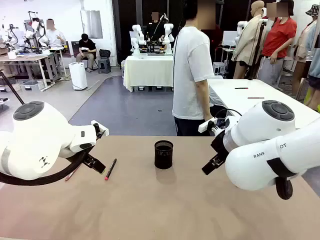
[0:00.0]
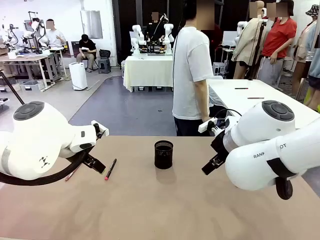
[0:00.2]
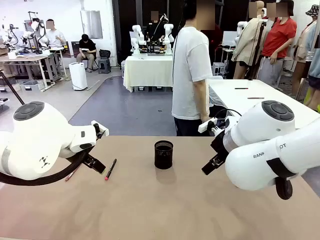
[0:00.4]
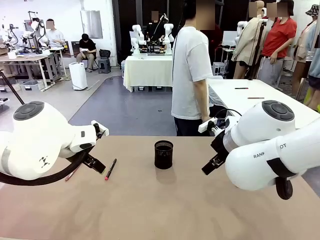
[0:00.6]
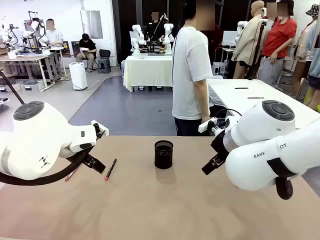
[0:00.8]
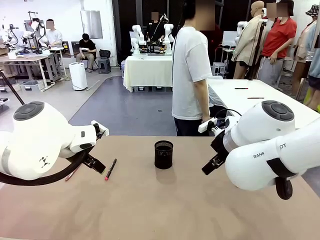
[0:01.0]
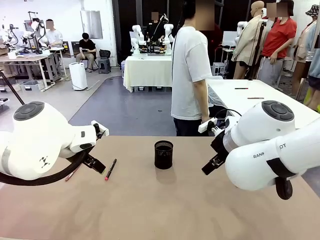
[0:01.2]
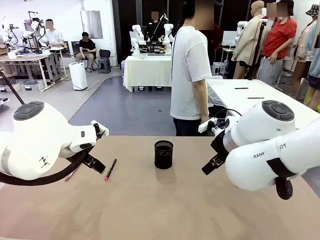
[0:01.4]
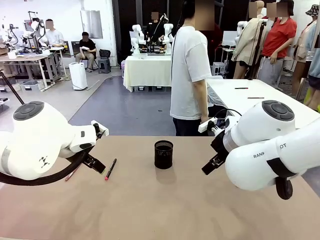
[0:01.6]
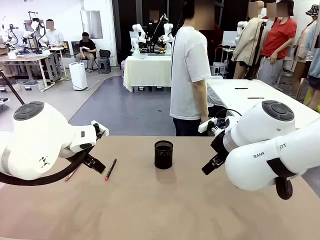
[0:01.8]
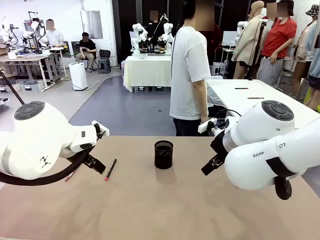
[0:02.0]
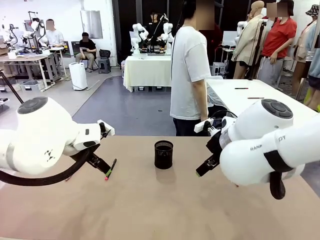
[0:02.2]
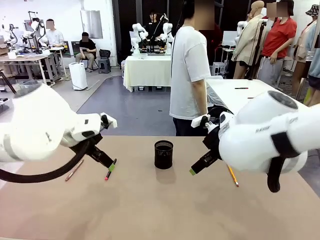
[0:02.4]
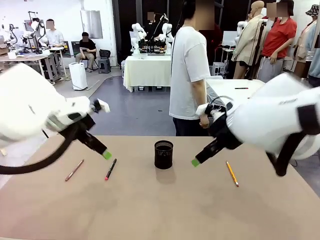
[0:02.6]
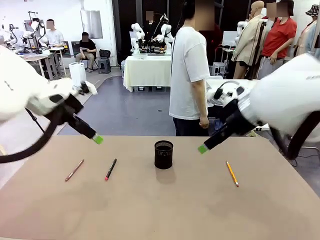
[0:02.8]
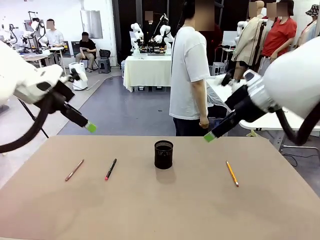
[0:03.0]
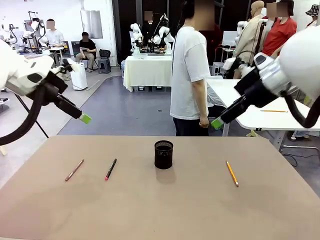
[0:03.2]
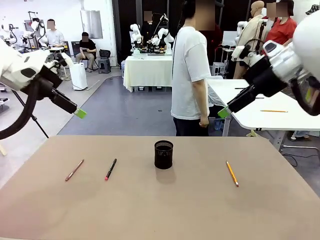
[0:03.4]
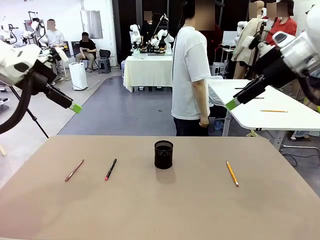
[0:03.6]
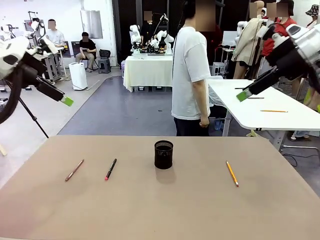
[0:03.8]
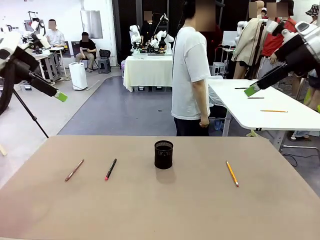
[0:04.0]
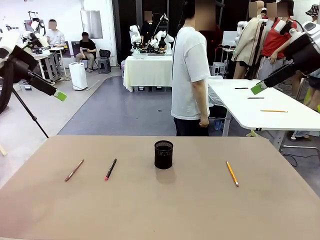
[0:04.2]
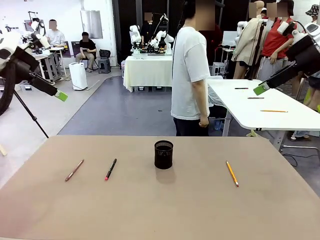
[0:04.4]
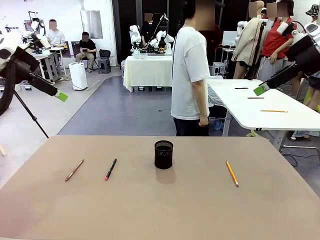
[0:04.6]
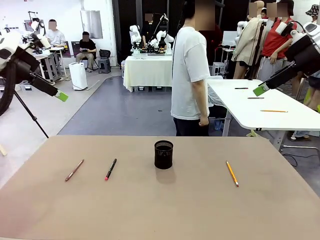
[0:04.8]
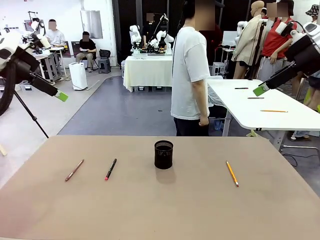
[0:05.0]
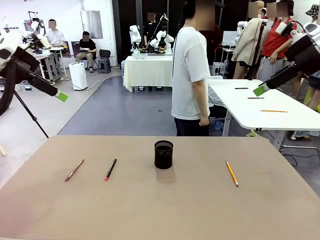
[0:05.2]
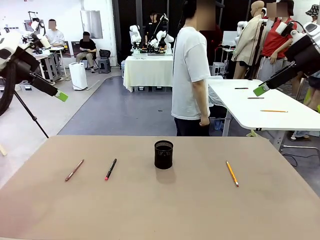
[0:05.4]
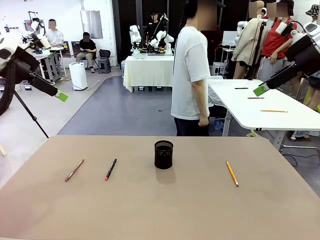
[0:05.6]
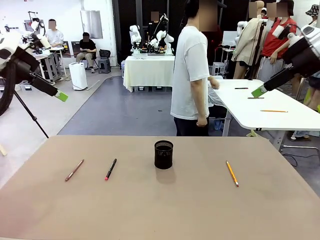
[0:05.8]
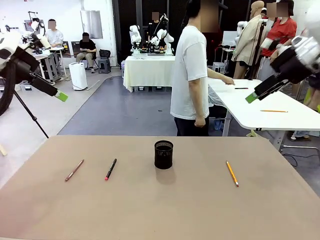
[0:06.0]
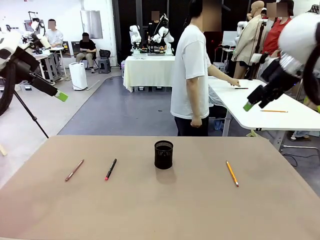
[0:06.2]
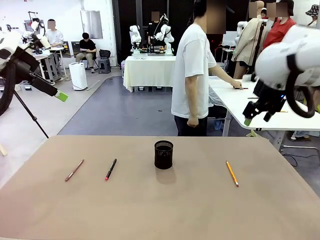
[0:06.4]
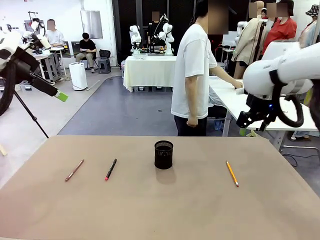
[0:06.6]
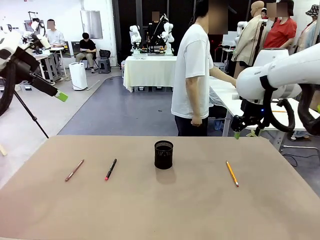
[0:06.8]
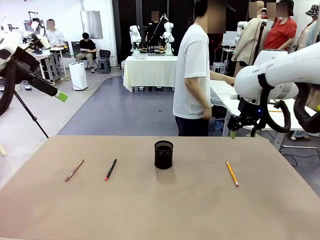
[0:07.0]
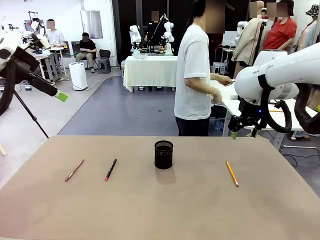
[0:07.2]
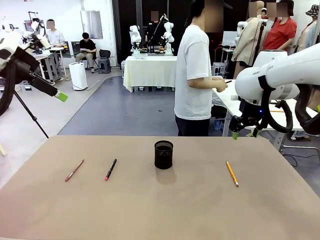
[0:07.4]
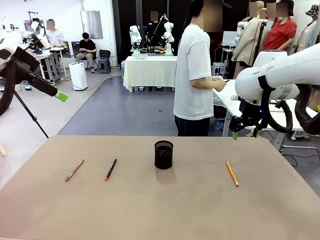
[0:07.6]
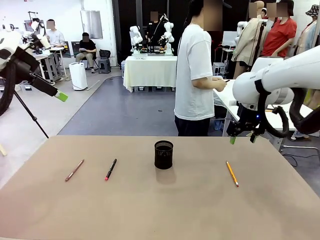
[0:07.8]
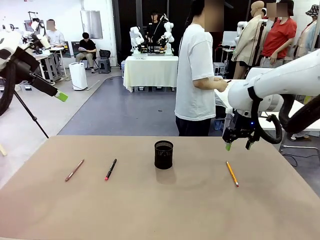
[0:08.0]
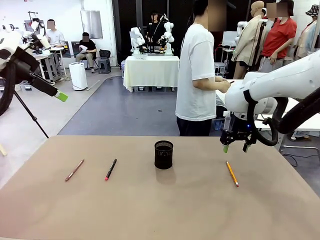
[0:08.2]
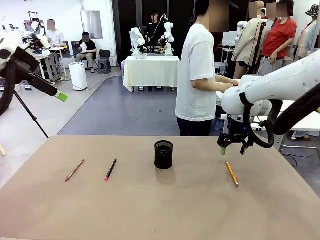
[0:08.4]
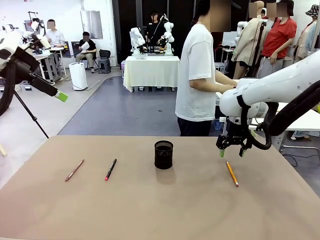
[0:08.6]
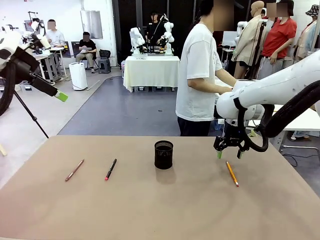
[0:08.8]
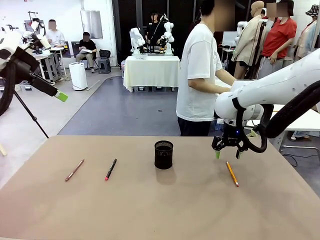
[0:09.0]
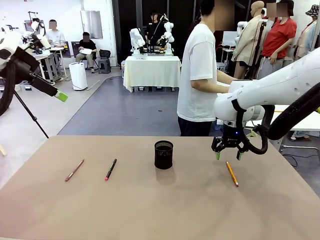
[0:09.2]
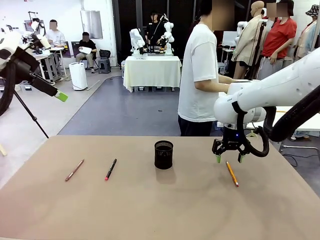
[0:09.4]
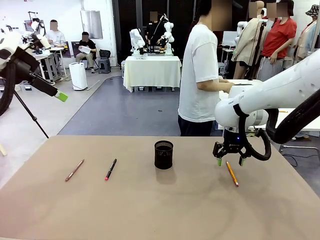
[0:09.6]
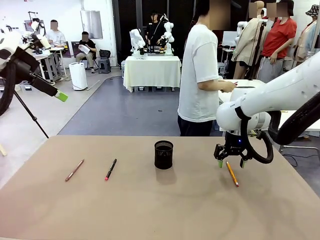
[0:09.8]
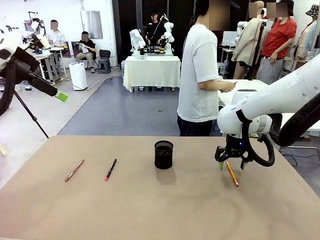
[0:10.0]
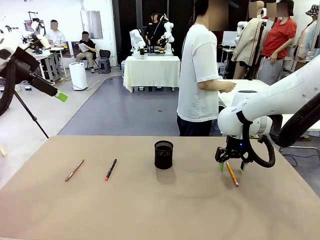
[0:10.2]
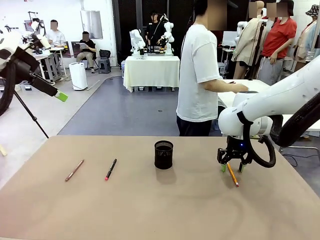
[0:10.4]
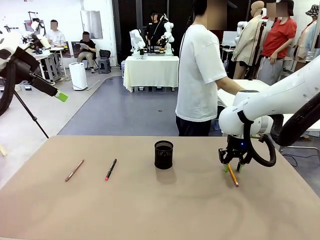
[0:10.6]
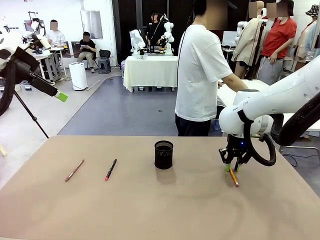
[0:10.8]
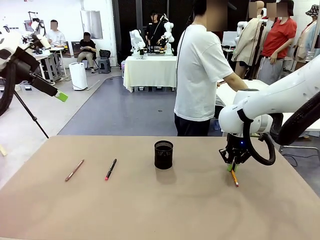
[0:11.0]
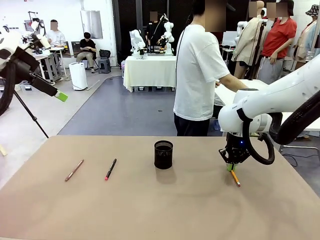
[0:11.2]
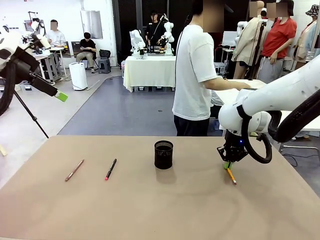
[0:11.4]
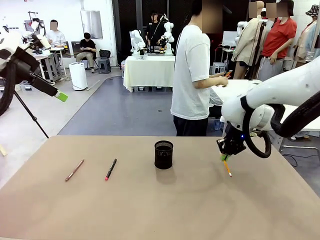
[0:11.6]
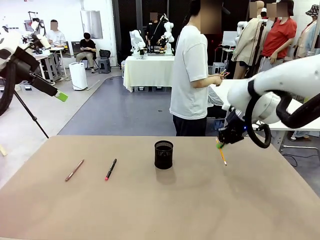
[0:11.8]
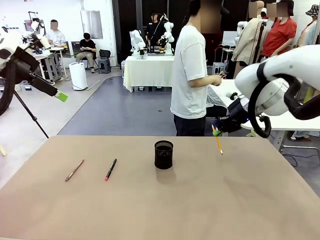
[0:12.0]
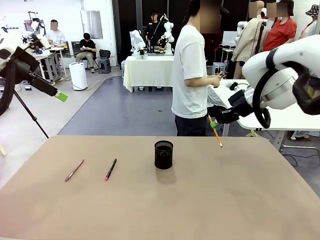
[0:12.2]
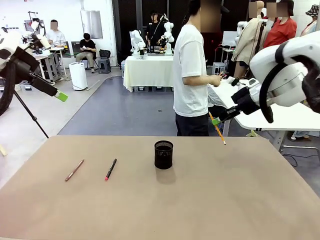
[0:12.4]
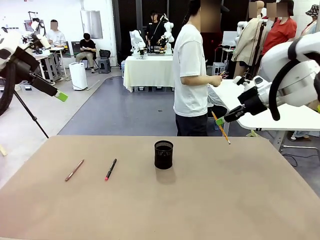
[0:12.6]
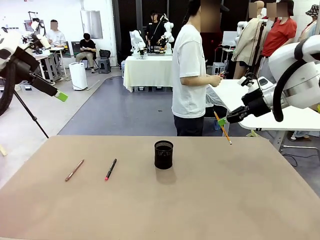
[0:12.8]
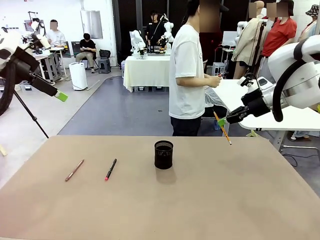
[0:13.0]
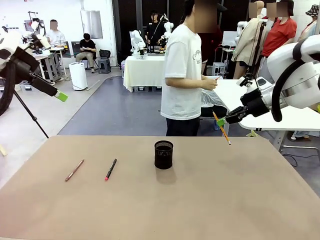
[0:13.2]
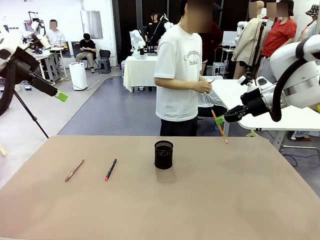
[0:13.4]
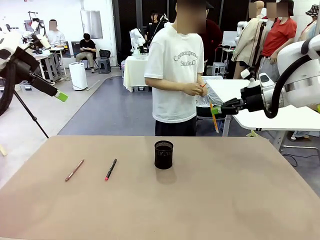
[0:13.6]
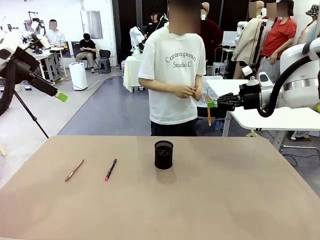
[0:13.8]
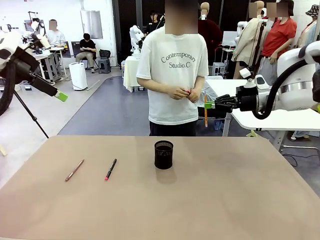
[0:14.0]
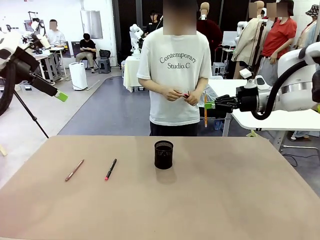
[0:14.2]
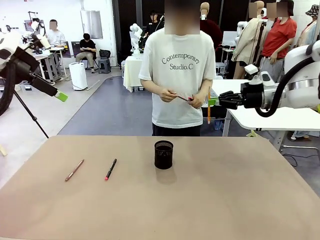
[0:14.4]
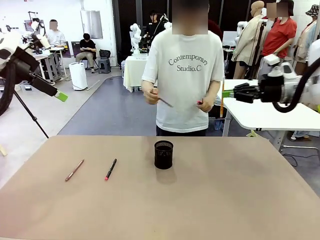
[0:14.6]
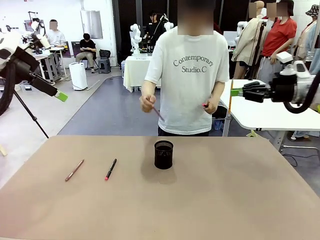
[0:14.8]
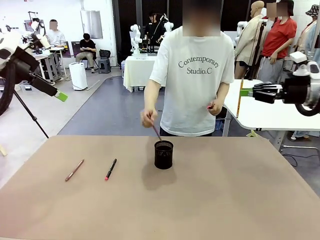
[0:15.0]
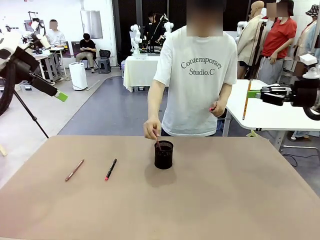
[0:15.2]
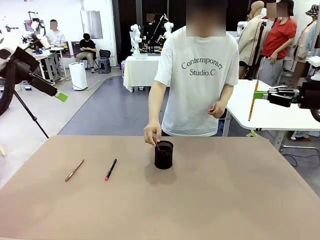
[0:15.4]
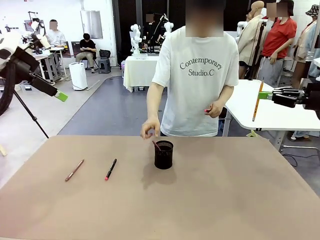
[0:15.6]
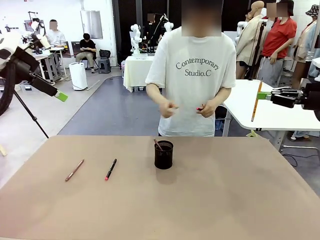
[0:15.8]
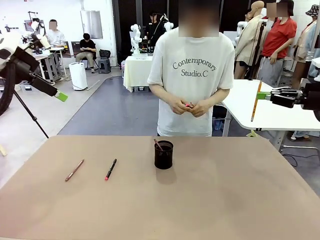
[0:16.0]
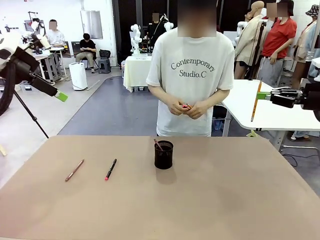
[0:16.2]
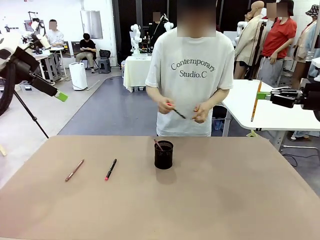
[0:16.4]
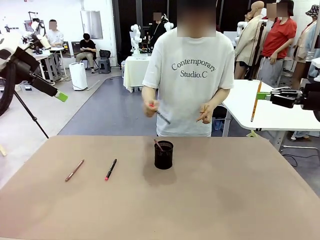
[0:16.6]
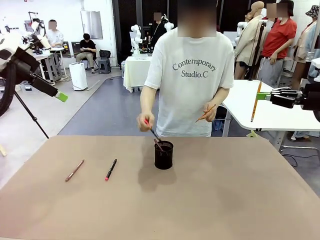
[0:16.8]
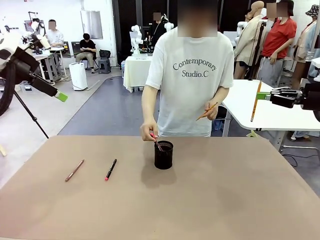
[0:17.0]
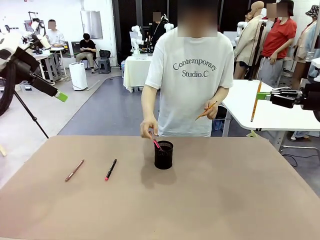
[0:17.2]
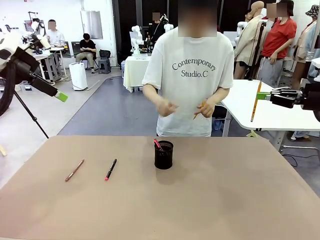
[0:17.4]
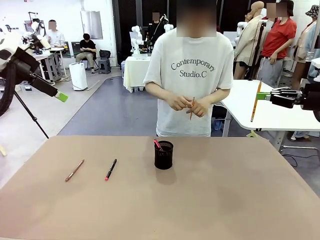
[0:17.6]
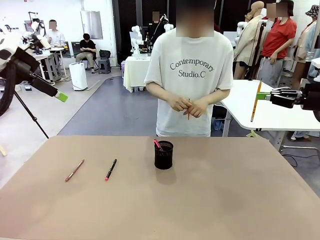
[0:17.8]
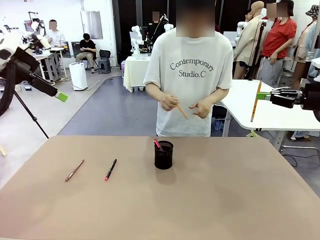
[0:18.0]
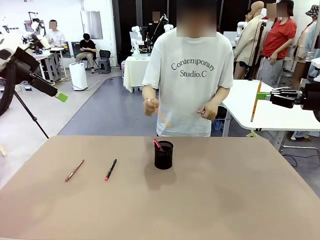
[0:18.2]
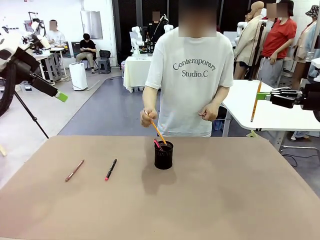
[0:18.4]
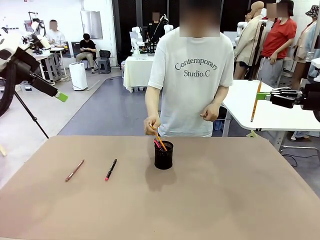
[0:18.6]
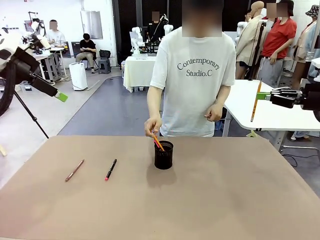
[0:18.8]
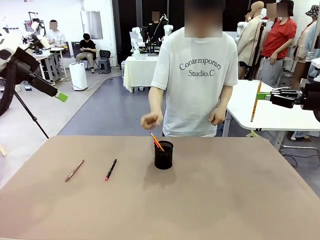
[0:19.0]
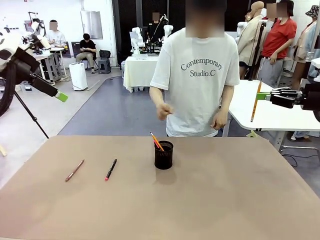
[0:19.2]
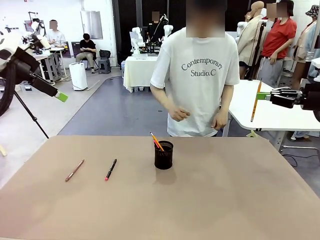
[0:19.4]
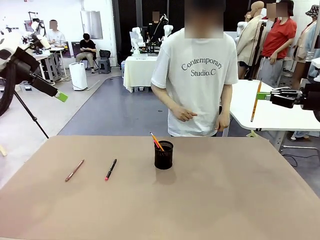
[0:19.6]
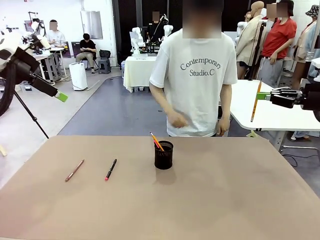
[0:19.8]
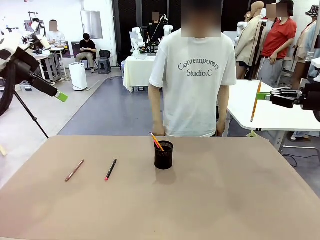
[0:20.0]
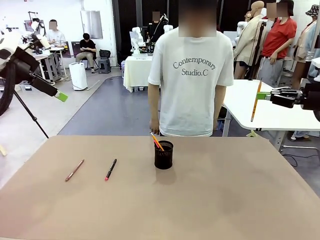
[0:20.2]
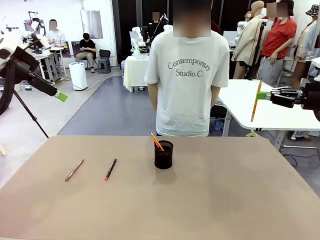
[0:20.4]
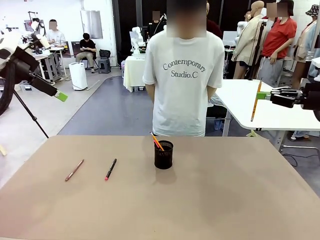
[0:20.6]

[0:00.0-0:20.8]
Task: Place the pens into the pen holder.
Robot: Pick up a writing instrument from the table and place it into the Pen holder.
Person: Pick up all writing instruments from the Human table.
